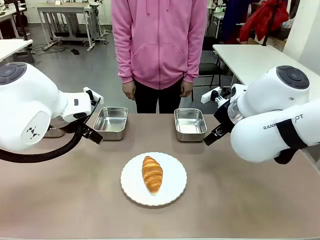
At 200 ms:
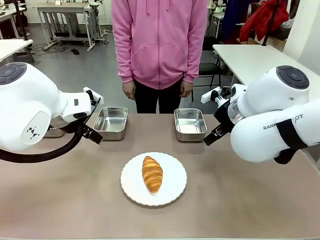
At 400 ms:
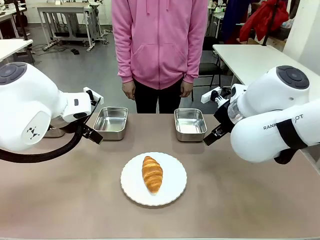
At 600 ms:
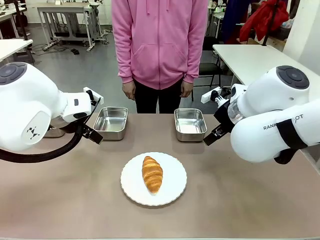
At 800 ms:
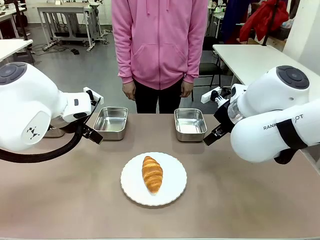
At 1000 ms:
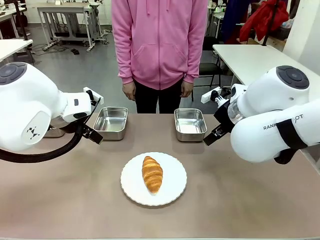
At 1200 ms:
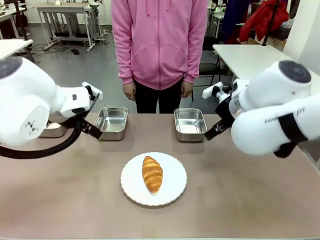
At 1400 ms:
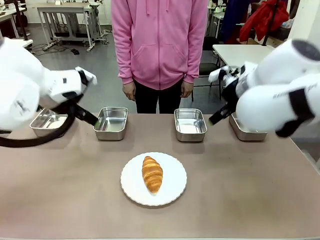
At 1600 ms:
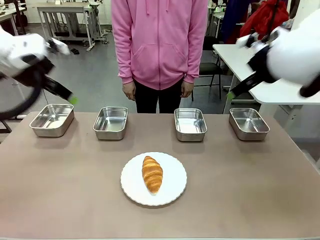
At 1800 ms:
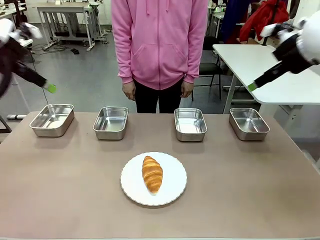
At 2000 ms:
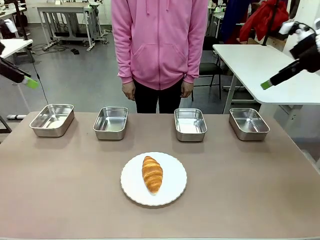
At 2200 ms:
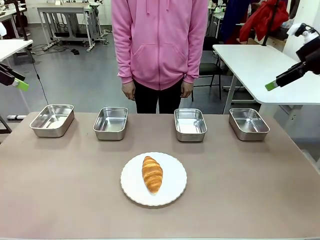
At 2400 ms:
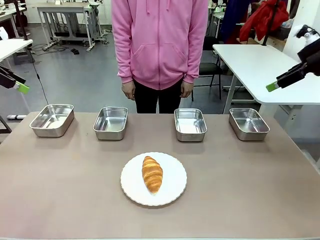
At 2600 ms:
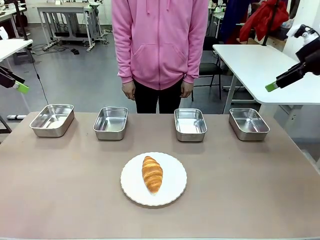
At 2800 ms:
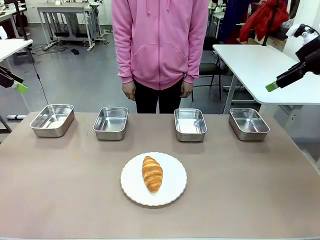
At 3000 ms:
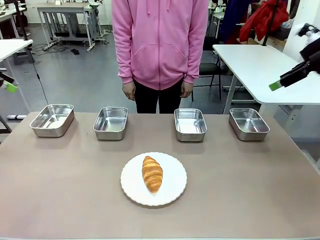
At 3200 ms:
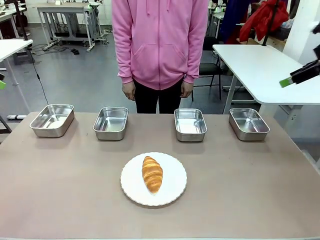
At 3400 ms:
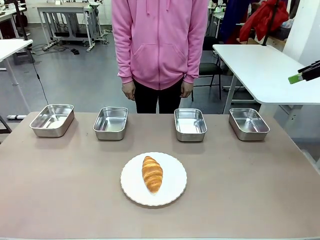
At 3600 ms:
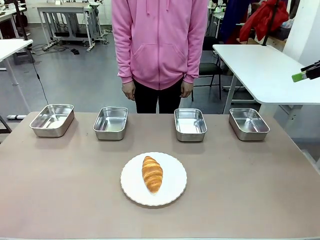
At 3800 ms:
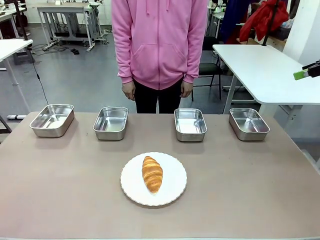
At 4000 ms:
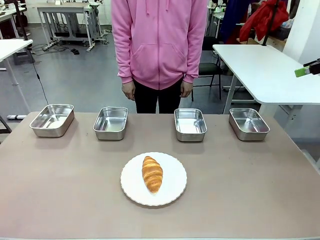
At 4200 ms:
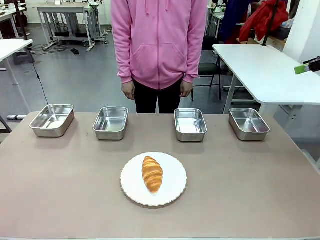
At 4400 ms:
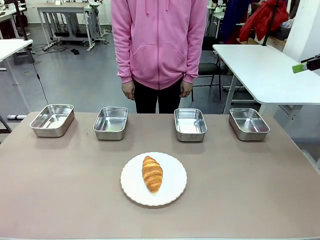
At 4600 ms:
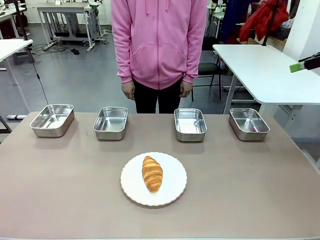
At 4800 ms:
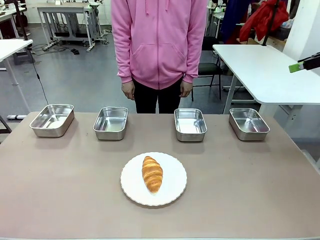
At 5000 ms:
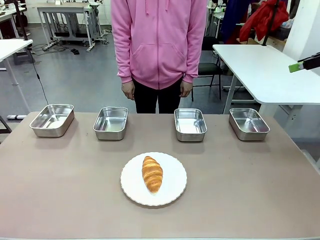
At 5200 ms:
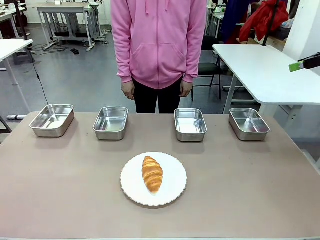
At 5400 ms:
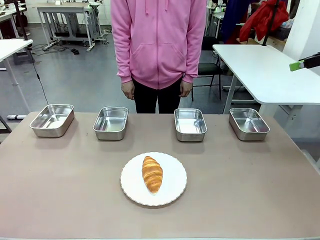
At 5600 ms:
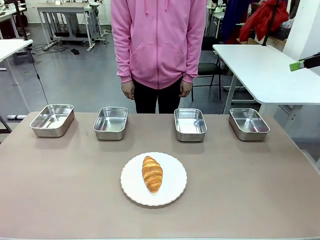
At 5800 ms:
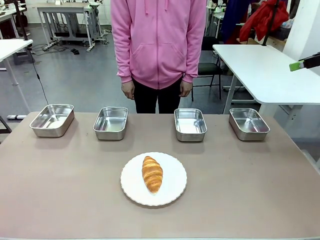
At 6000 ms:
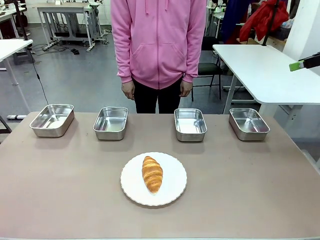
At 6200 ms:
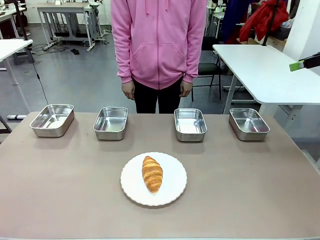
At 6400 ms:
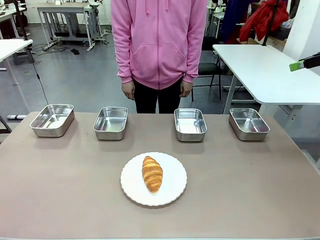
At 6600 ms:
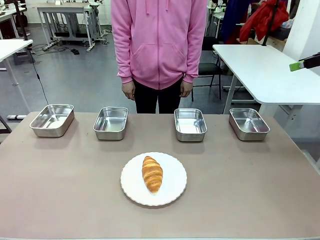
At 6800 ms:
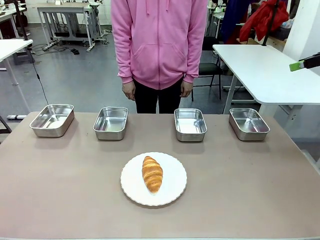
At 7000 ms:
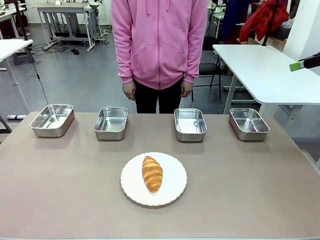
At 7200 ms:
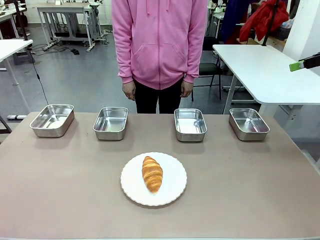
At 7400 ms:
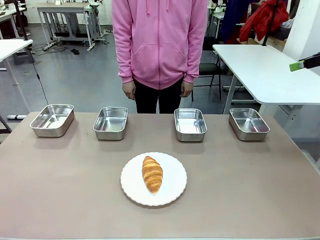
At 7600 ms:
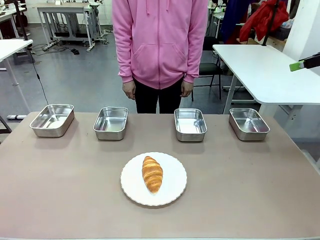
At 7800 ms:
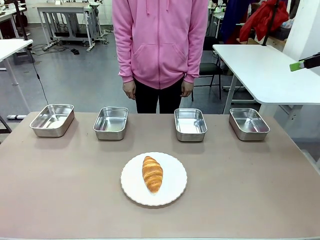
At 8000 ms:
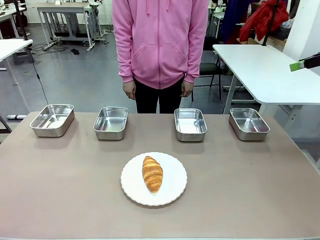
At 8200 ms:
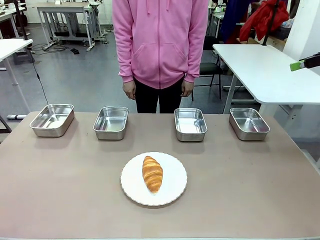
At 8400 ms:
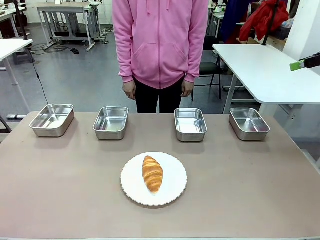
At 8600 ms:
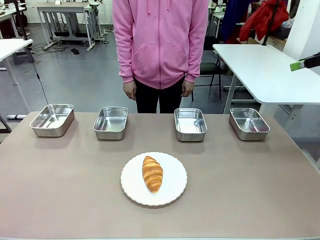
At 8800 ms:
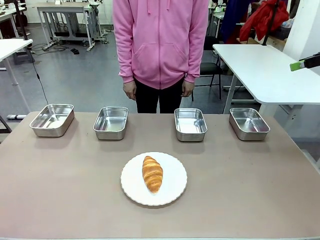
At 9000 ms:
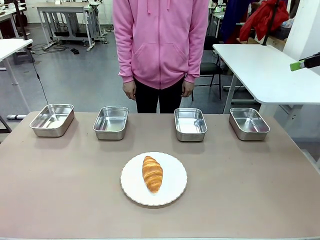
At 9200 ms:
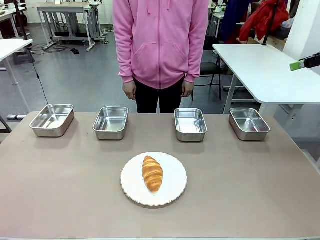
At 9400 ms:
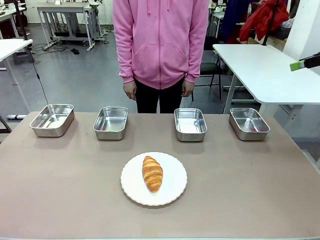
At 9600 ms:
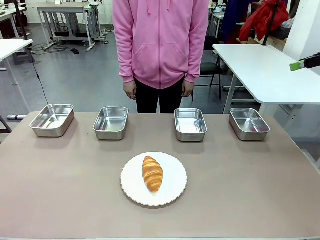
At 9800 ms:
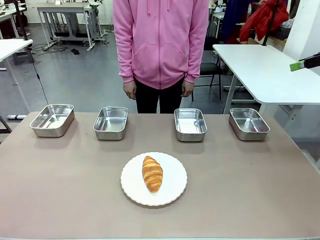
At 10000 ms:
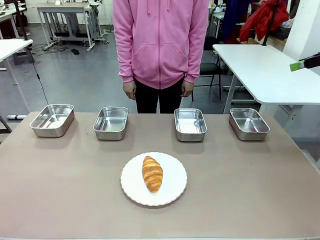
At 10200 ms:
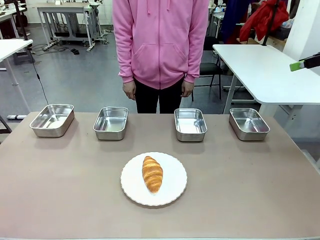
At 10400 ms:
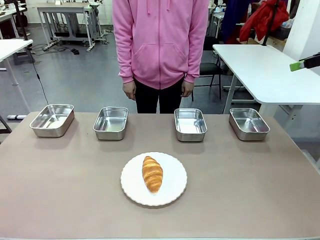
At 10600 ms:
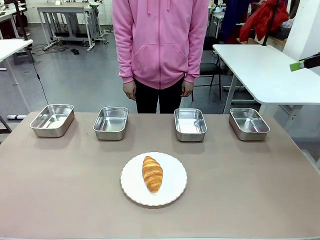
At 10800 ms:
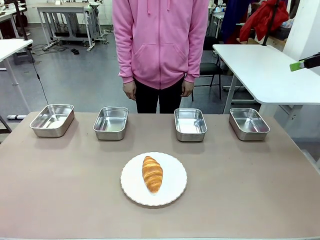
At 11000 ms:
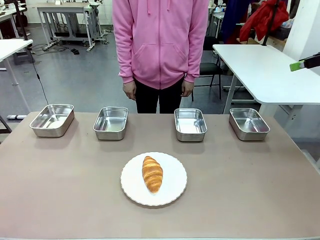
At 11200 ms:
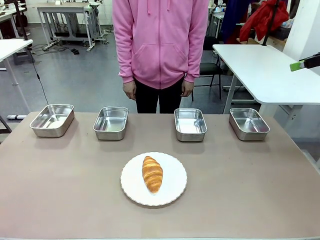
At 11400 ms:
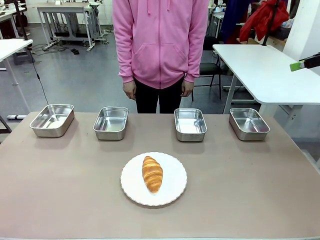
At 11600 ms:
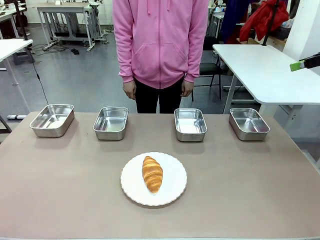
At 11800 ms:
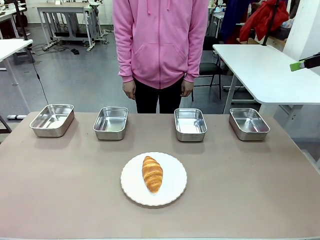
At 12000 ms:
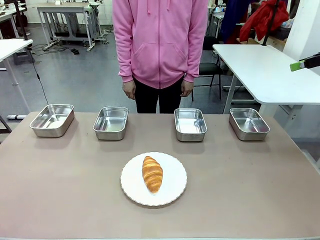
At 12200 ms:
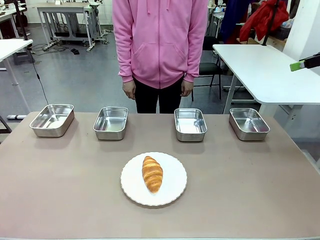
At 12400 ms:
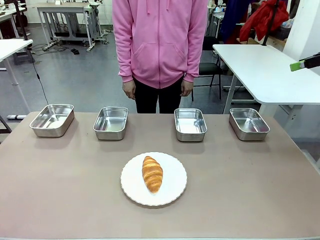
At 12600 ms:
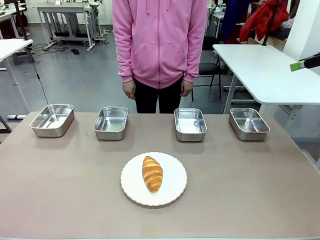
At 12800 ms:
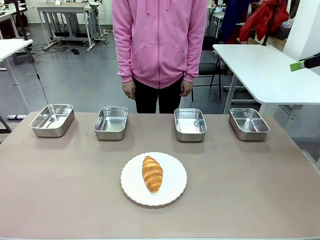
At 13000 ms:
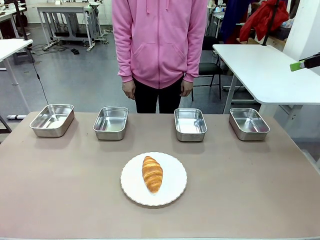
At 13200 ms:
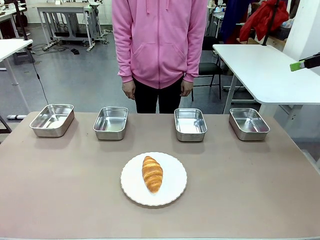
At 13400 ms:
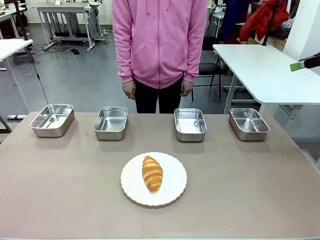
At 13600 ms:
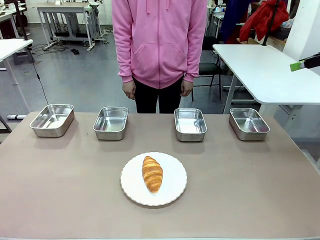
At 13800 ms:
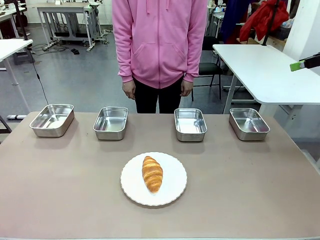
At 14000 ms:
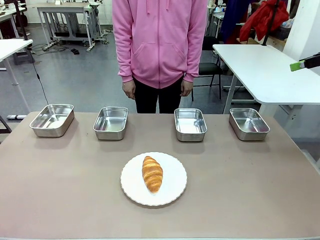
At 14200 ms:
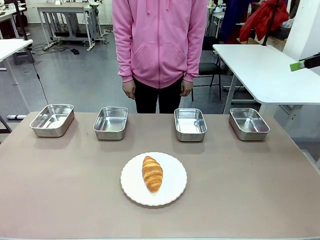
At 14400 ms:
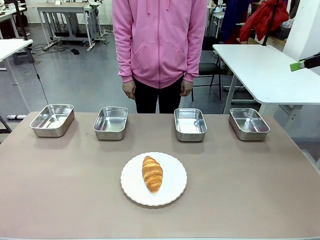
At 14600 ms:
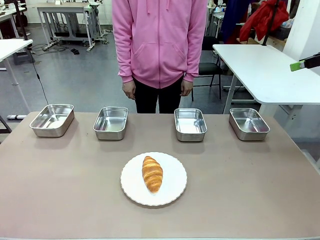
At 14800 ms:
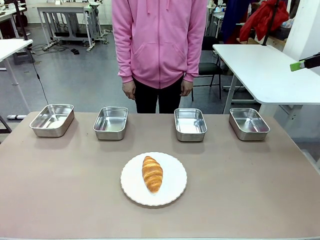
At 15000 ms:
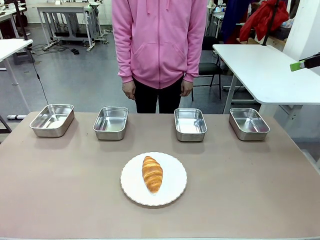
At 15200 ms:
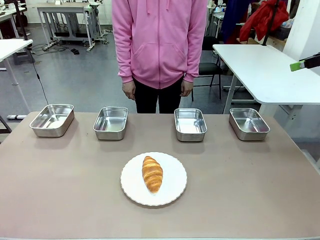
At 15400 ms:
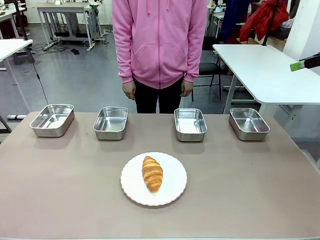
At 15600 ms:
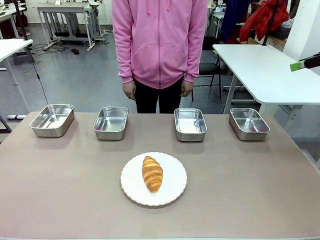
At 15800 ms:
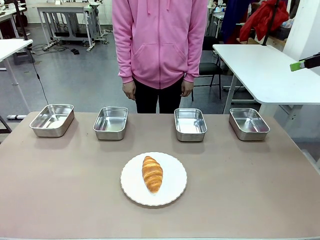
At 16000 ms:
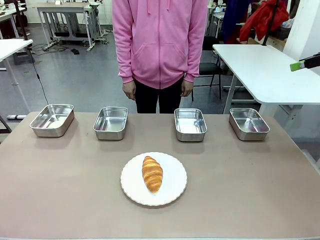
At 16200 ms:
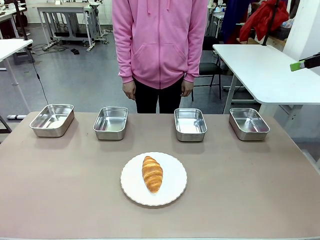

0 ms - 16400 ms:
Task: Place the bread in the container.
Robot: Place the Butter Roll into the Airtight Container indicated by the human.
